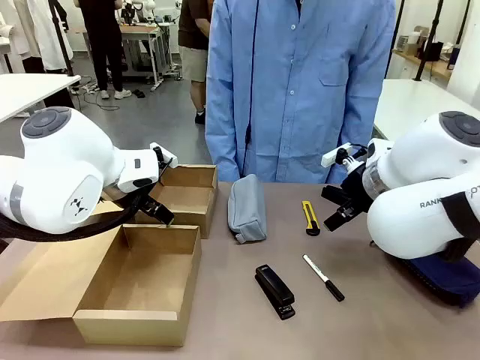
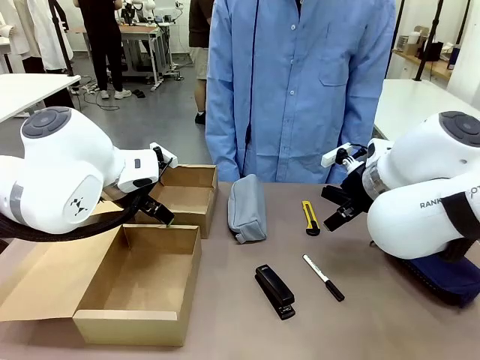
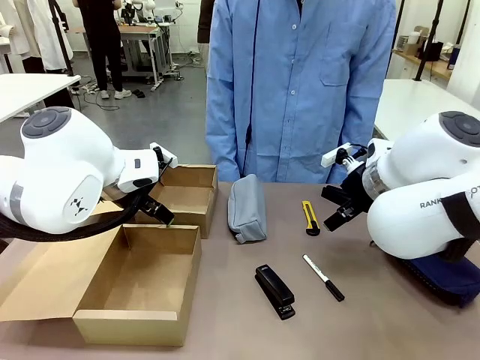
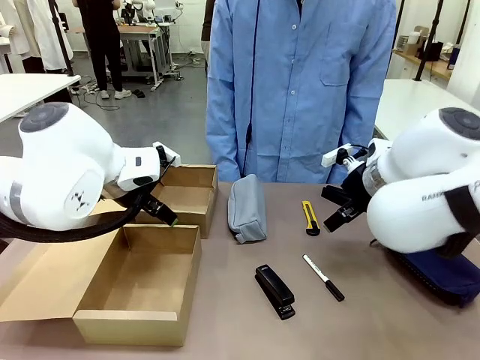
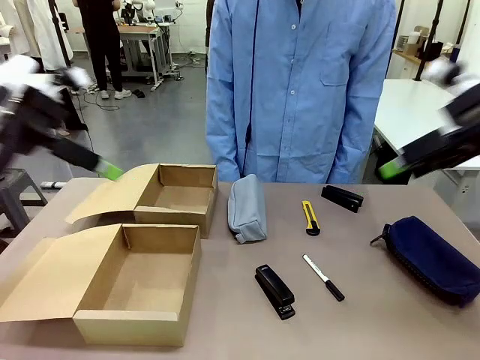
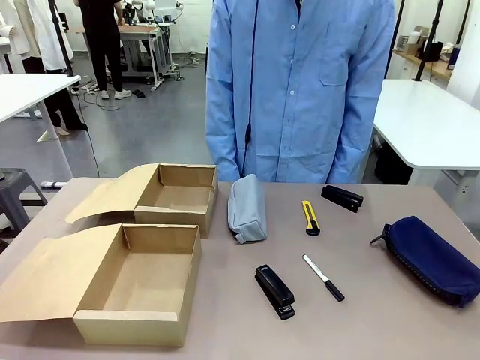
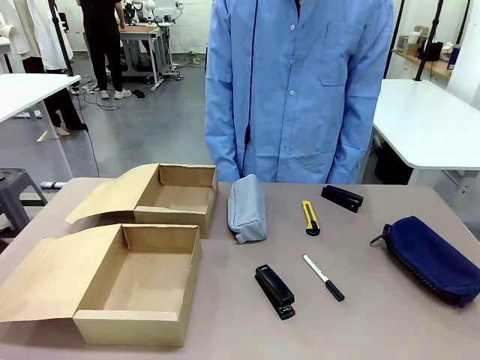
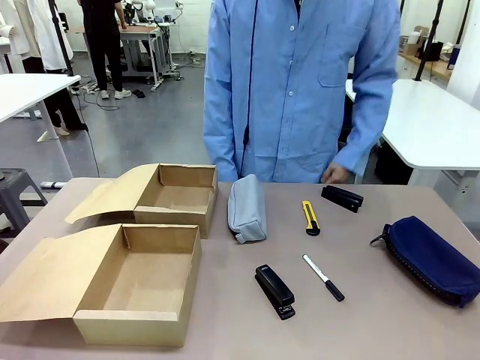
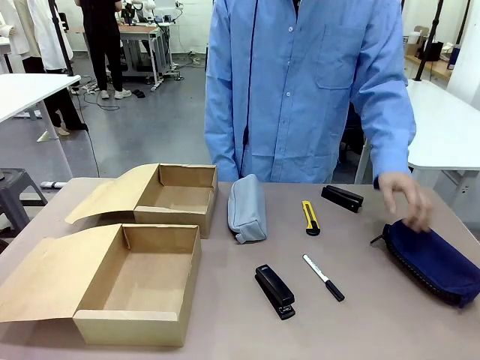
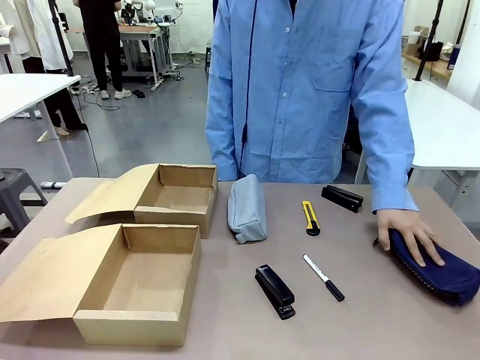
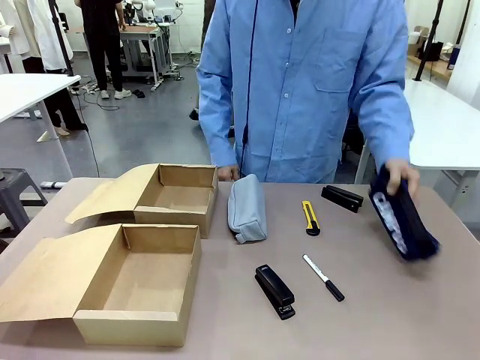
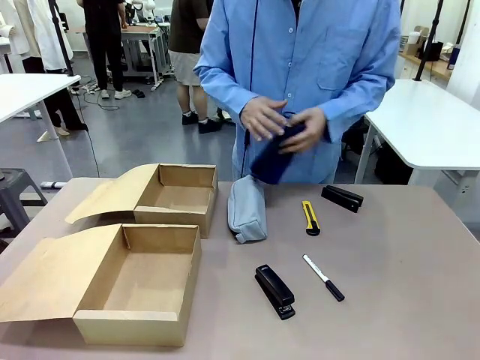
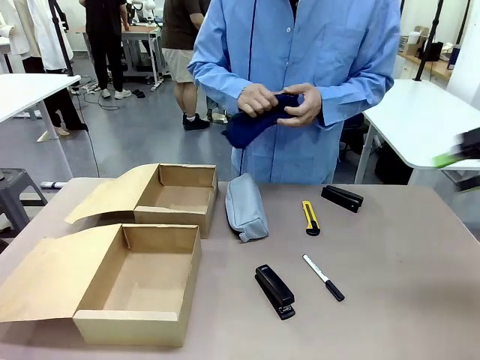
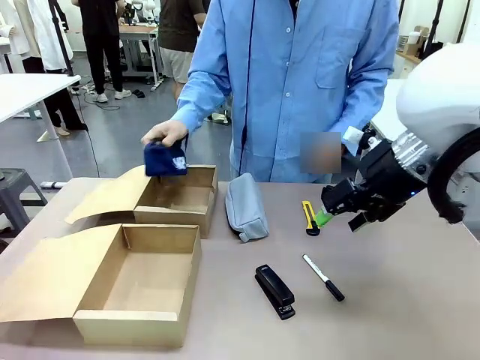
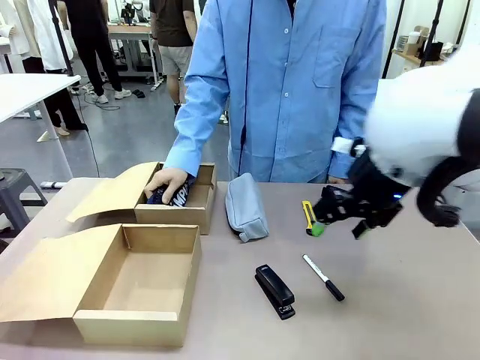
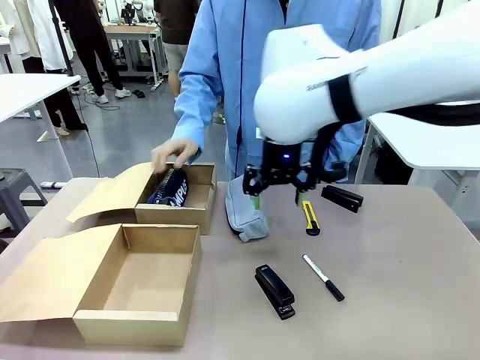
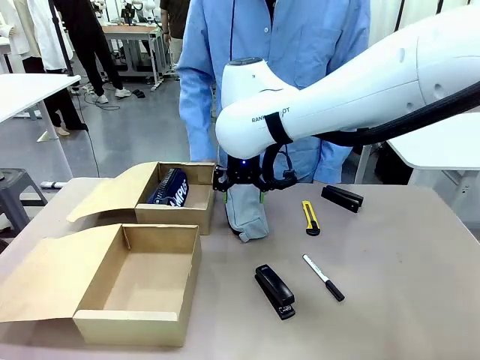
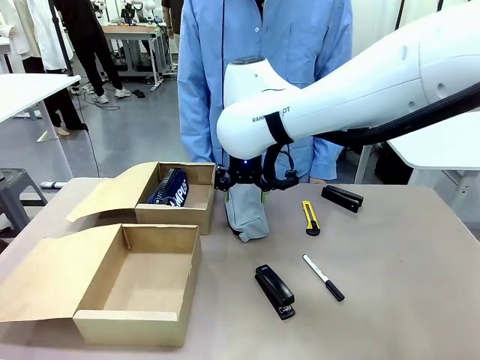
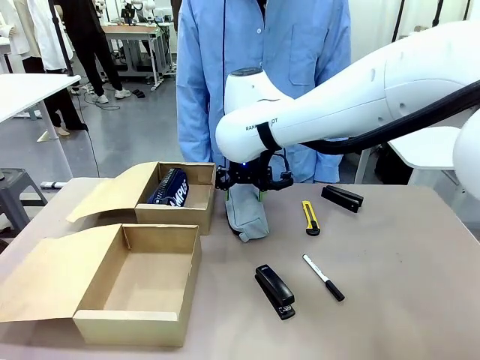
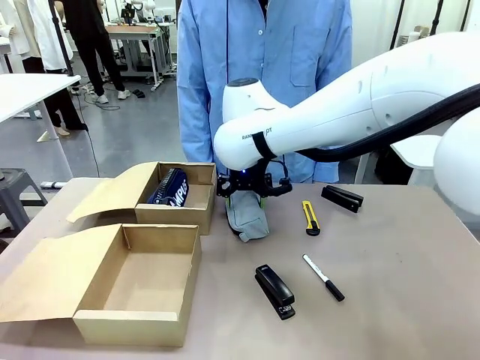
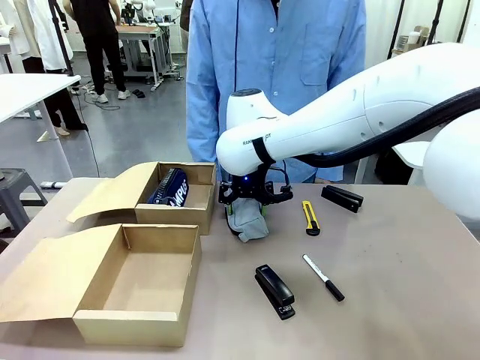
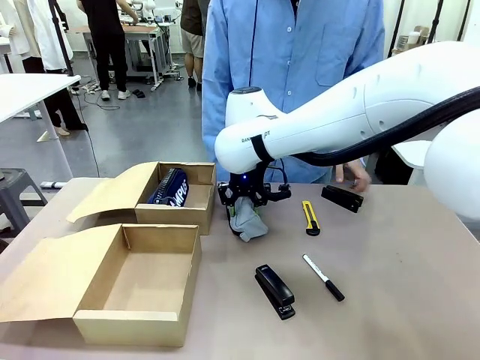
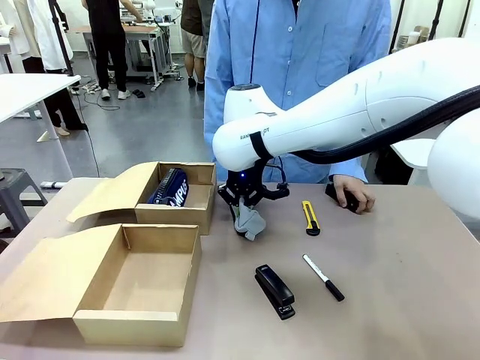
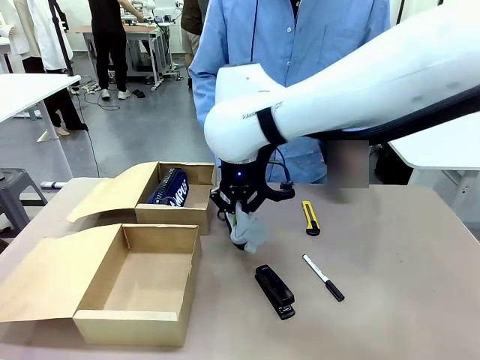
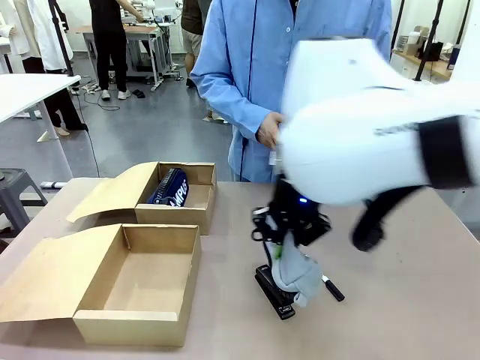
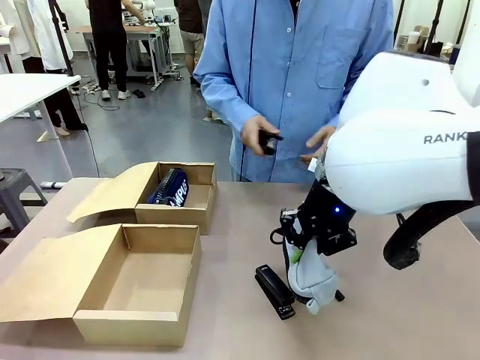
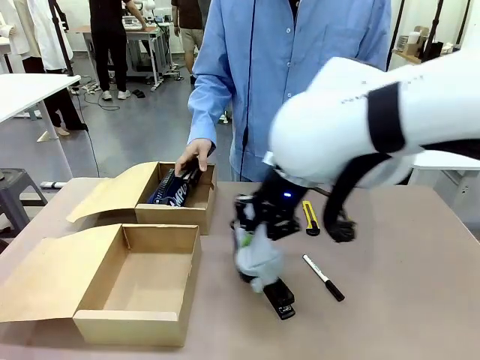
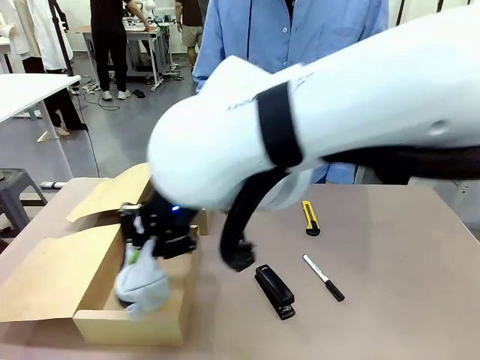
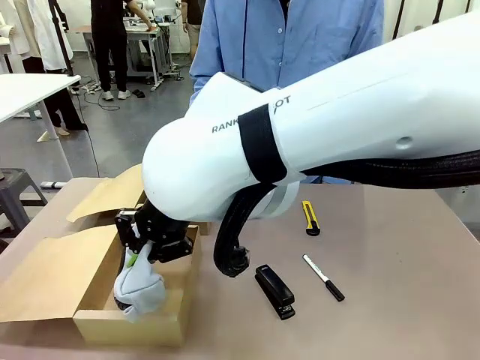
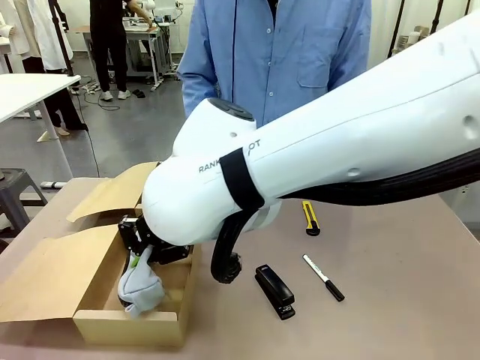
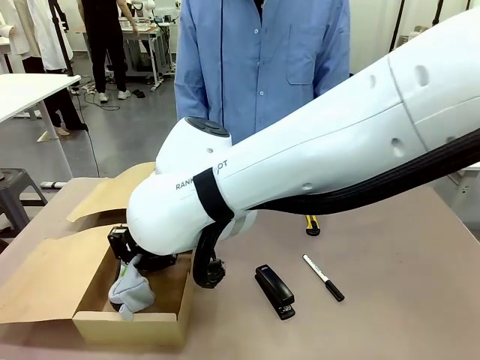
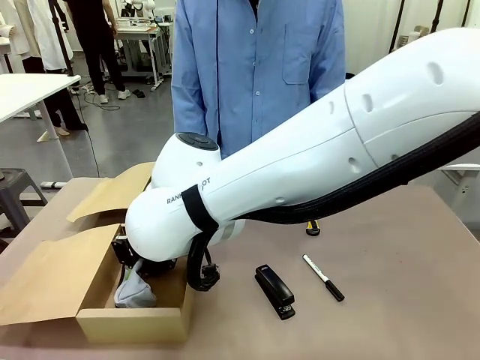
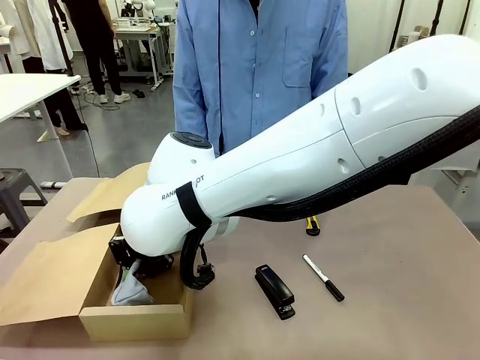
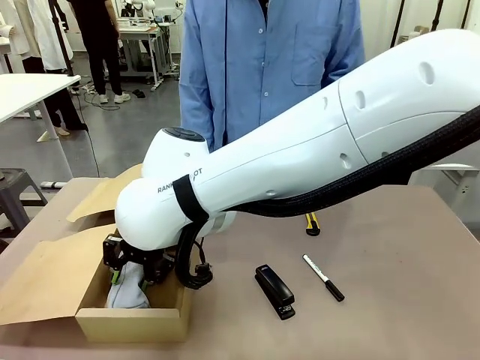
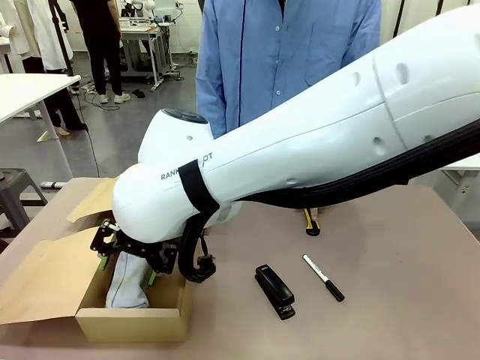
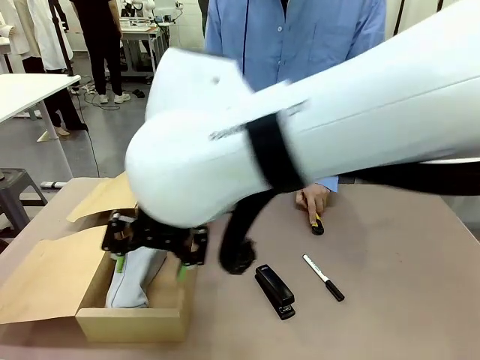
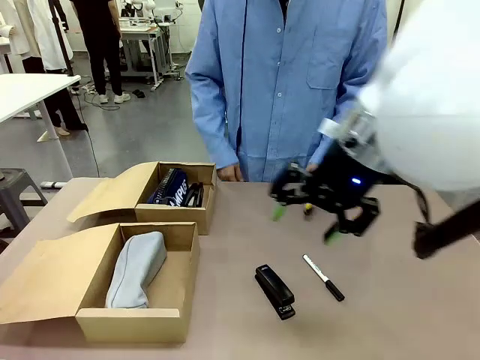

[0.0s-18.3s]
Task: Place items inside the box.
Robot: Pick up a Pencil pouch or Stapler and place it inside the Mailer Box closest to the robot.
Person: Pick up an object on the table and put it in the box.

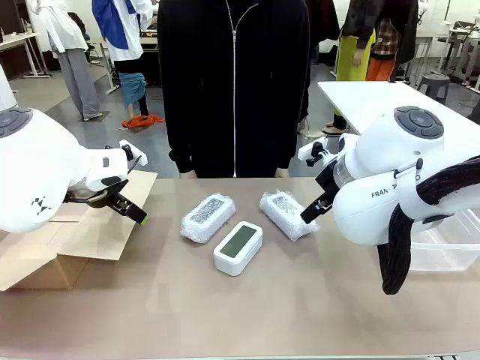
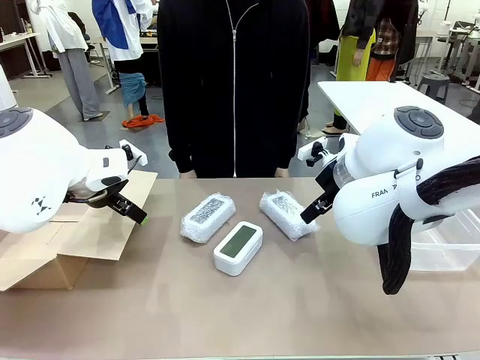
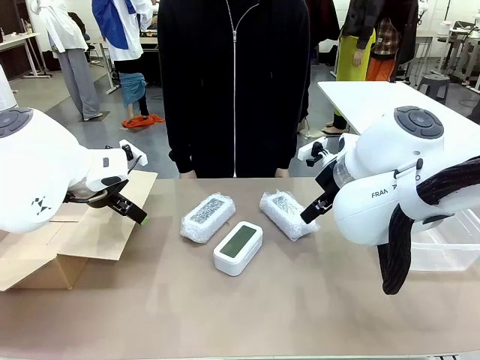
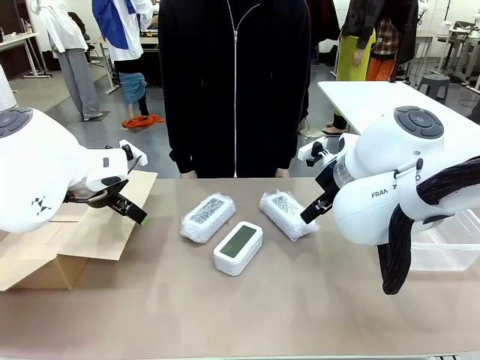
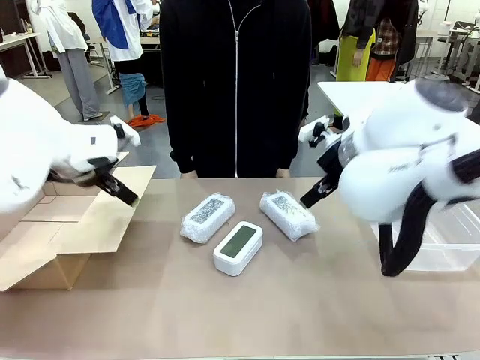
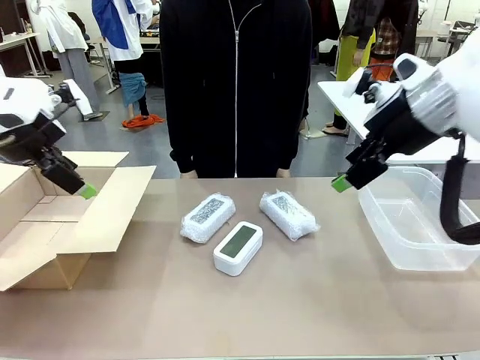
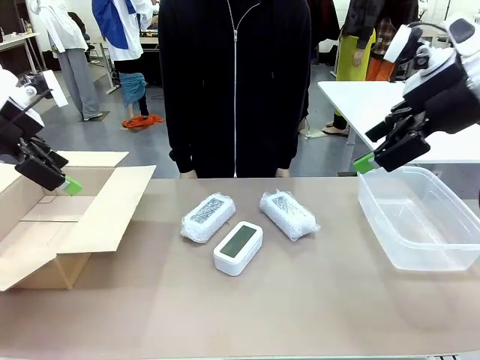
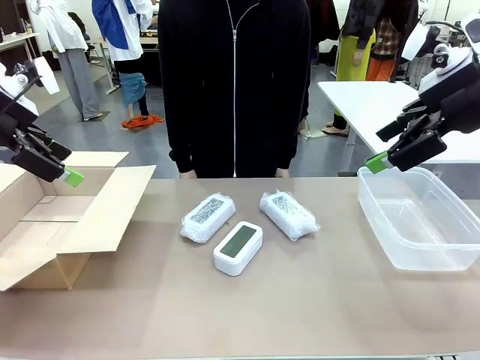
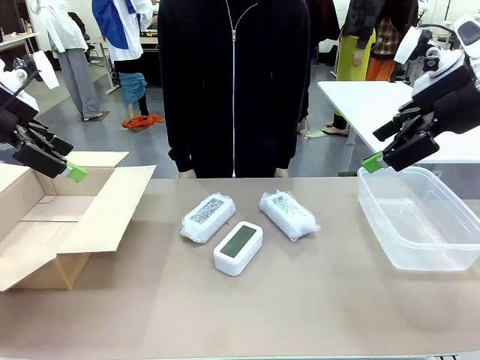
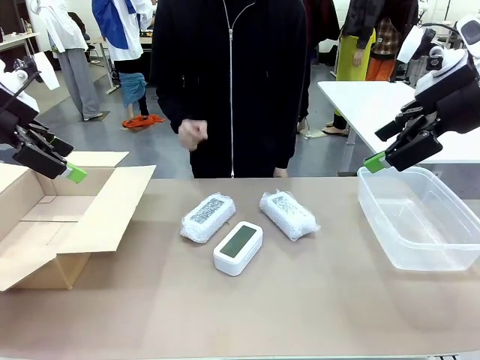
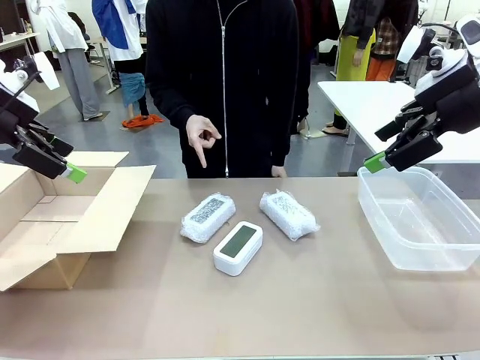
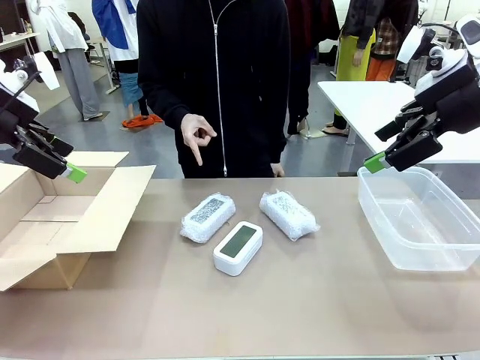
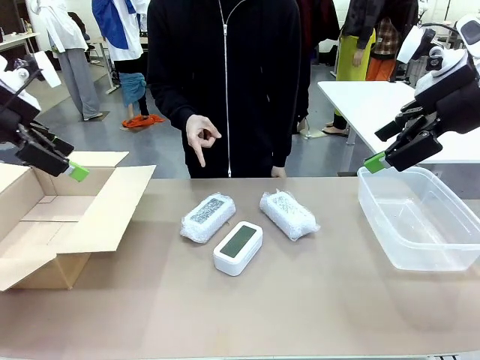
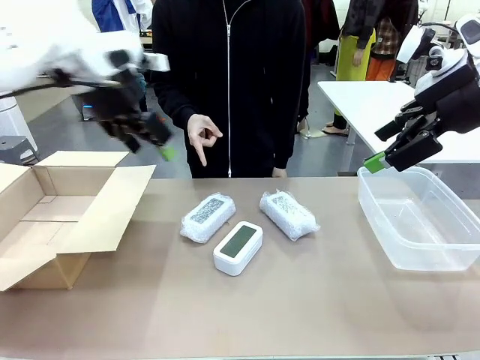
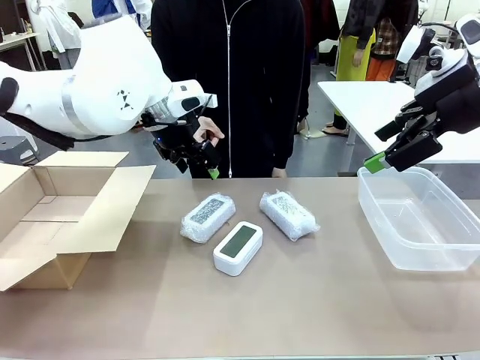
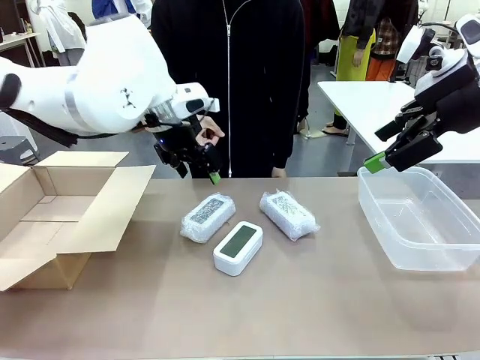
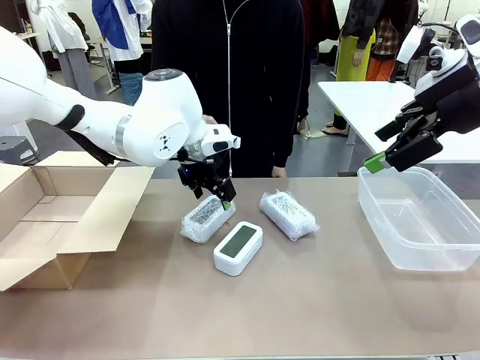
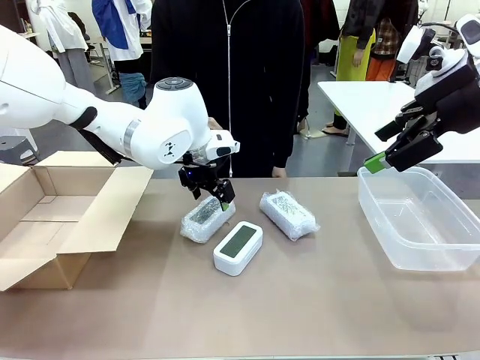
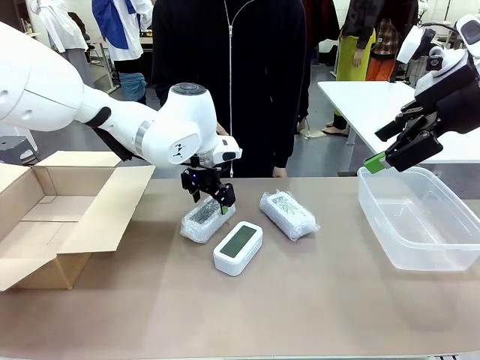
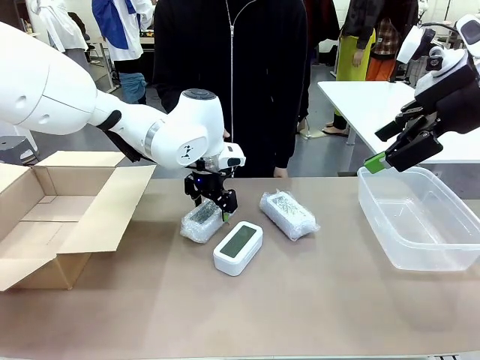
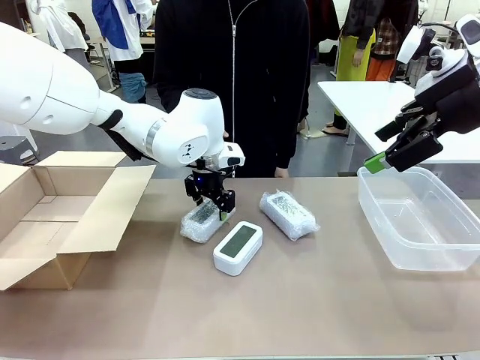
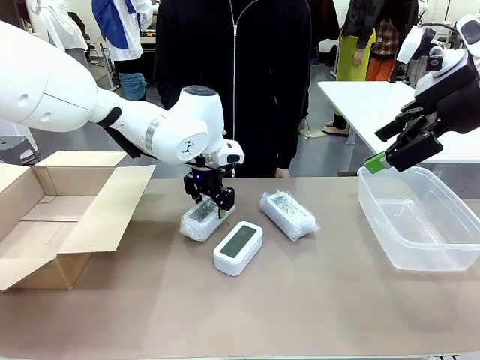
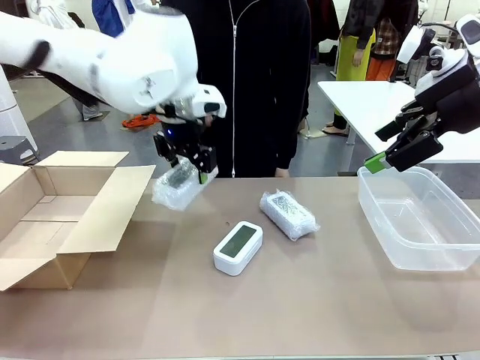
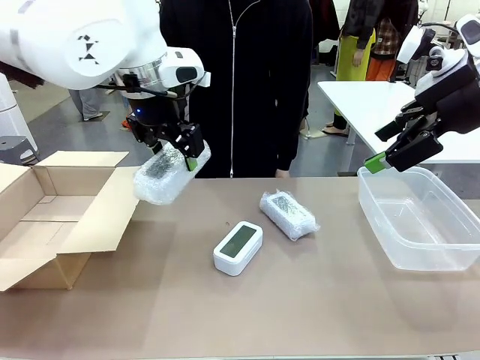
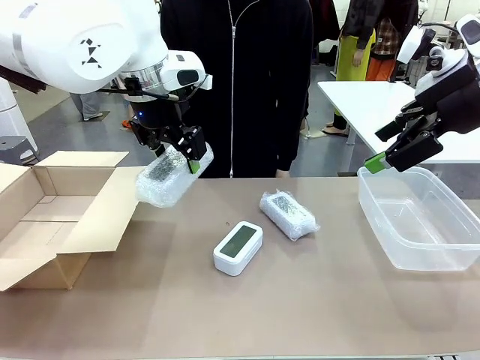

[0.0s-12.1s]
Task: Separate and place wrapped and unwrapped clocks.
Robot: Pick up the Digital clock indicated by the person.
